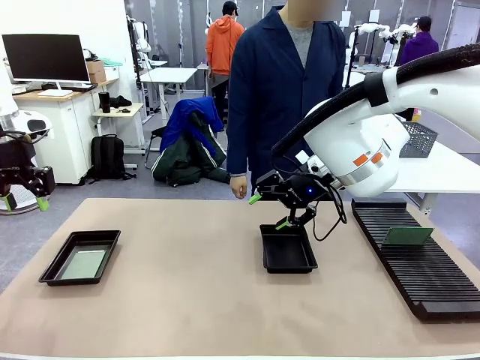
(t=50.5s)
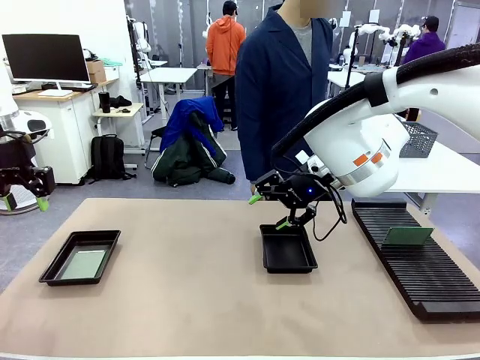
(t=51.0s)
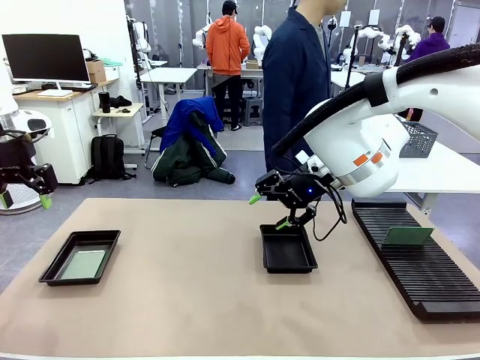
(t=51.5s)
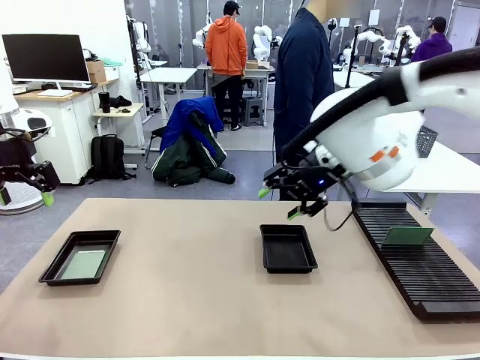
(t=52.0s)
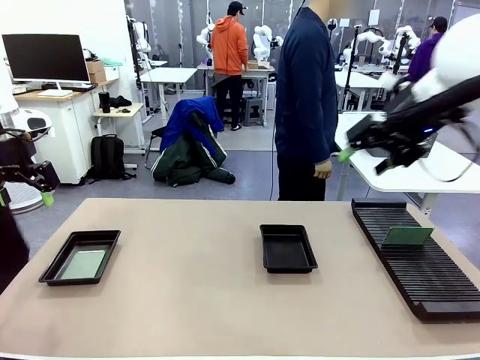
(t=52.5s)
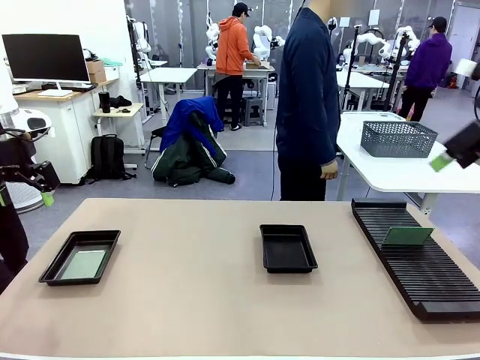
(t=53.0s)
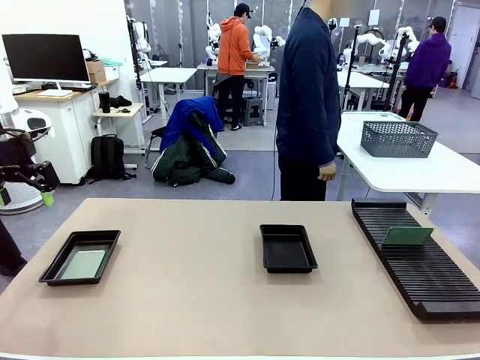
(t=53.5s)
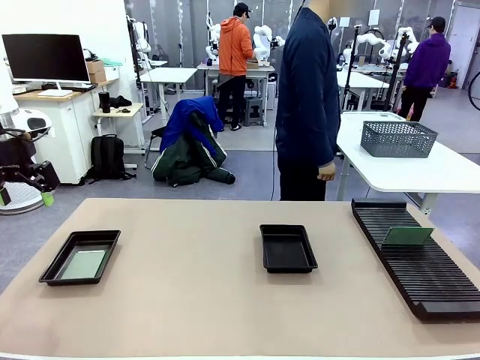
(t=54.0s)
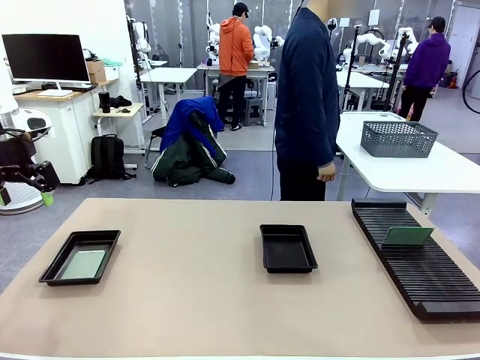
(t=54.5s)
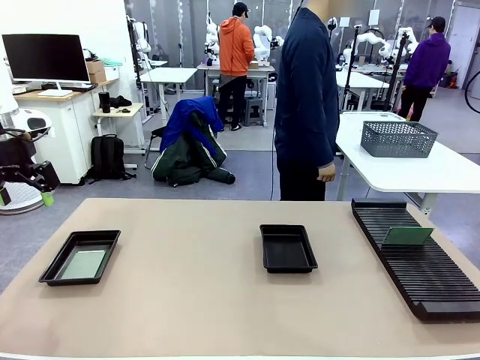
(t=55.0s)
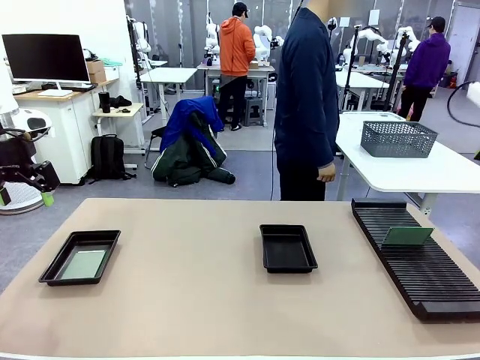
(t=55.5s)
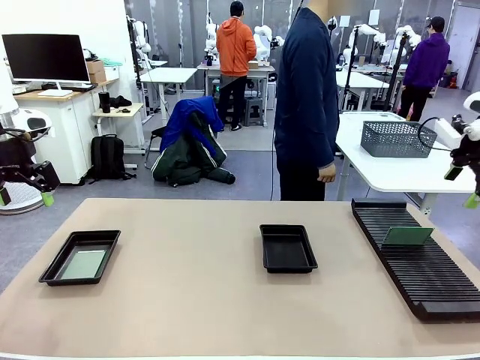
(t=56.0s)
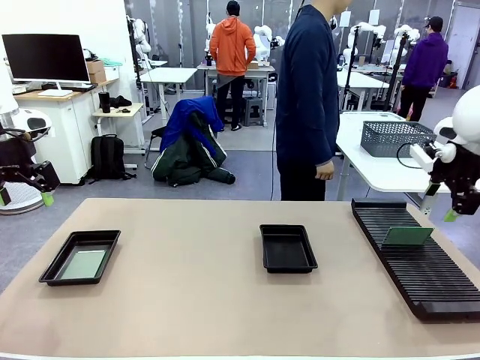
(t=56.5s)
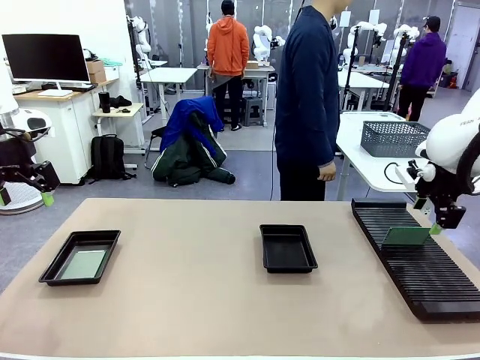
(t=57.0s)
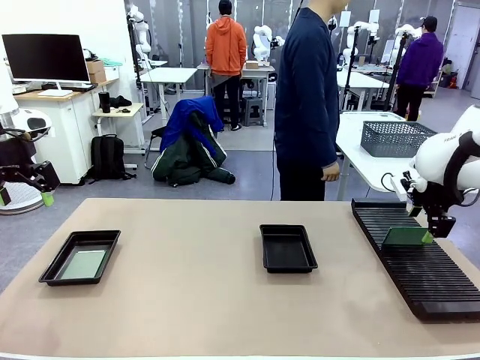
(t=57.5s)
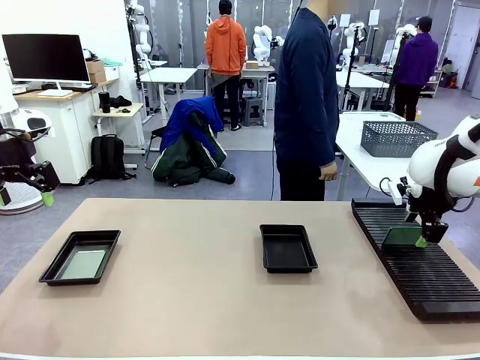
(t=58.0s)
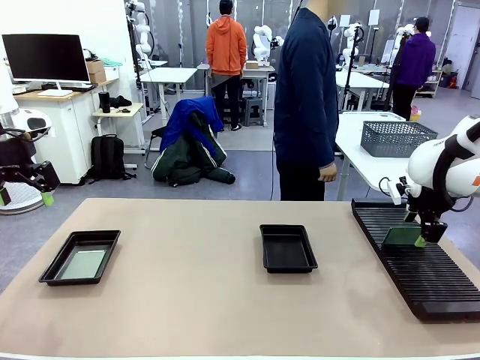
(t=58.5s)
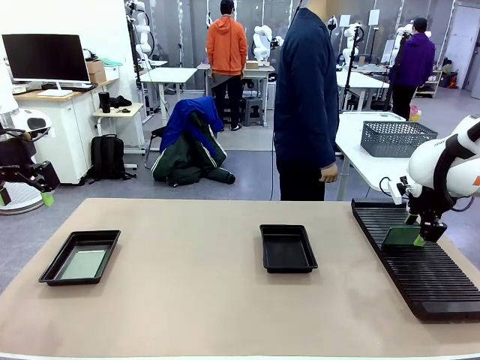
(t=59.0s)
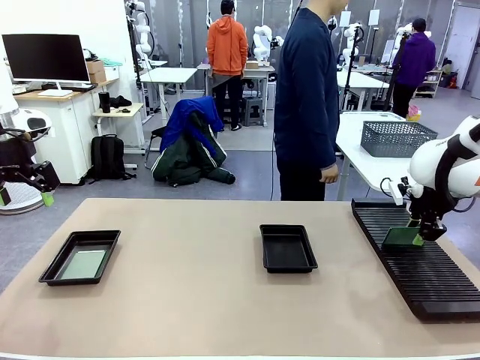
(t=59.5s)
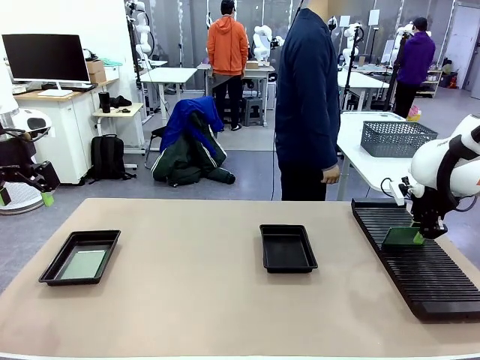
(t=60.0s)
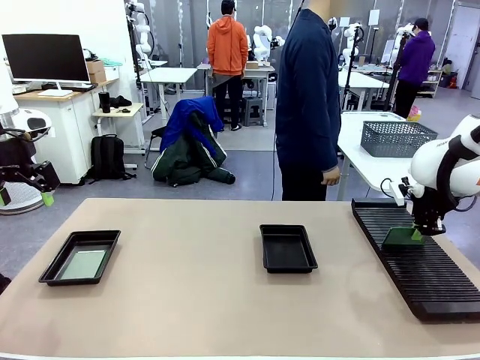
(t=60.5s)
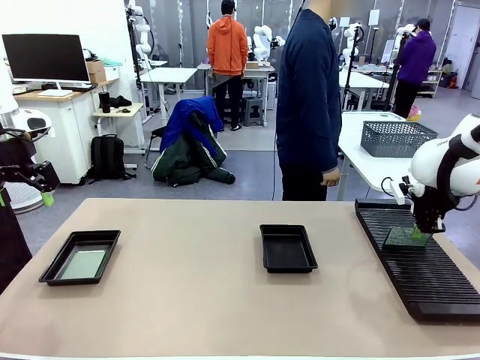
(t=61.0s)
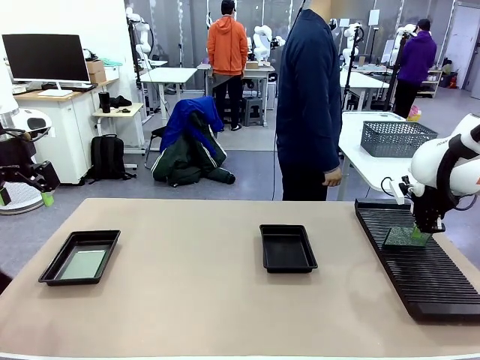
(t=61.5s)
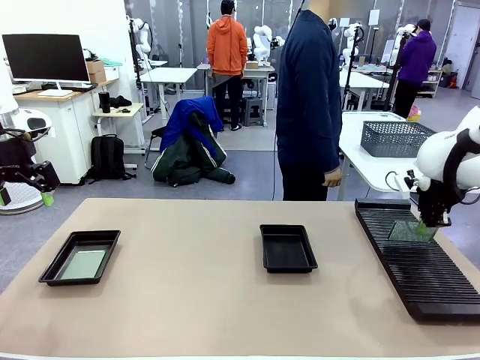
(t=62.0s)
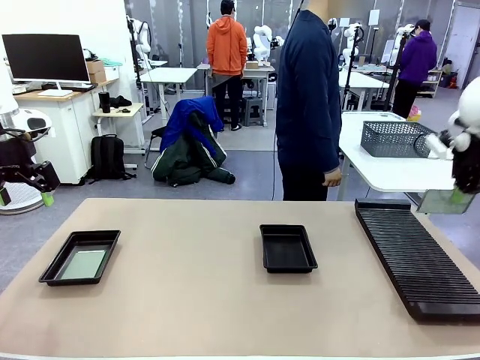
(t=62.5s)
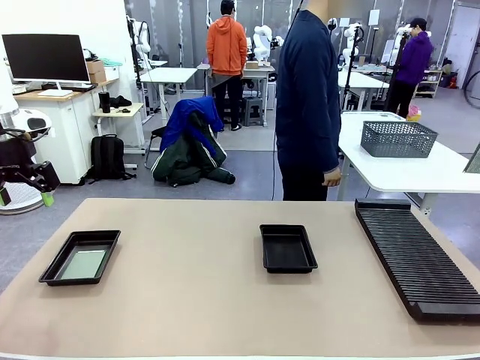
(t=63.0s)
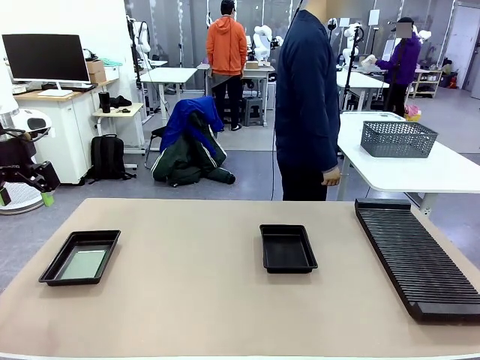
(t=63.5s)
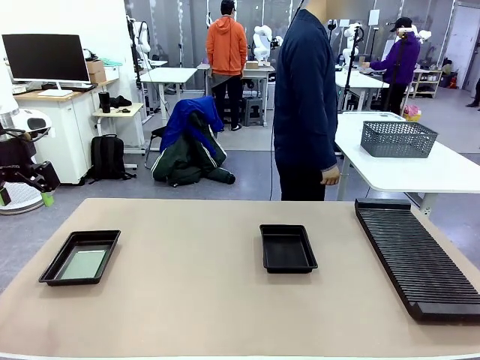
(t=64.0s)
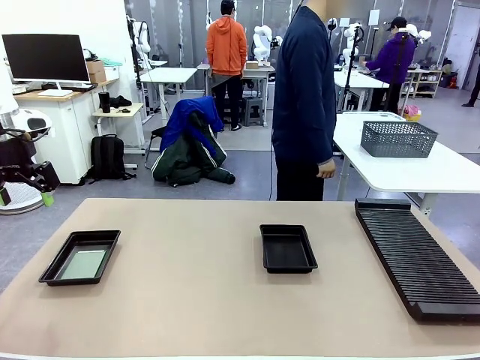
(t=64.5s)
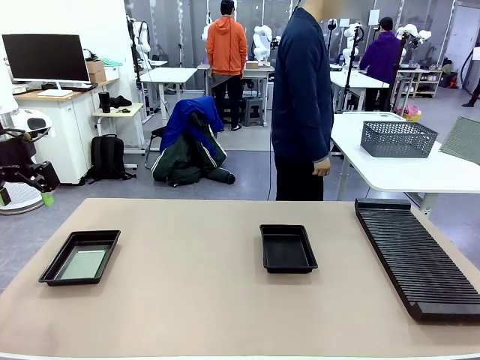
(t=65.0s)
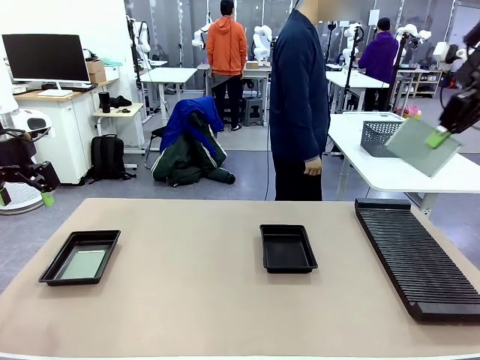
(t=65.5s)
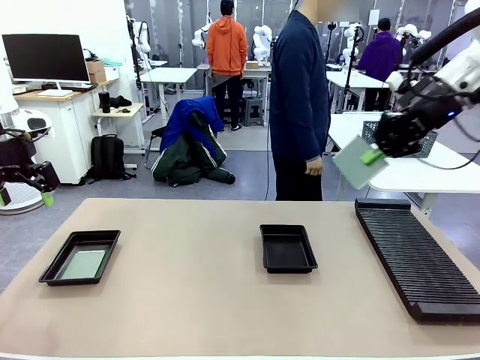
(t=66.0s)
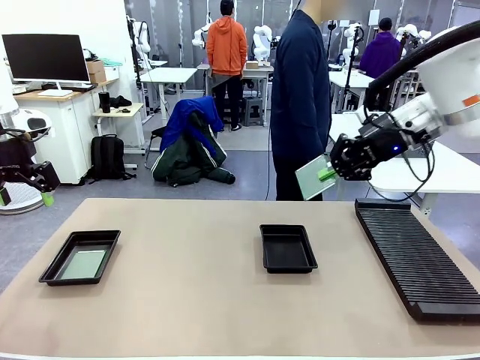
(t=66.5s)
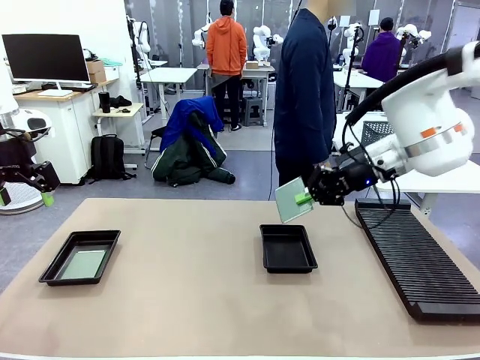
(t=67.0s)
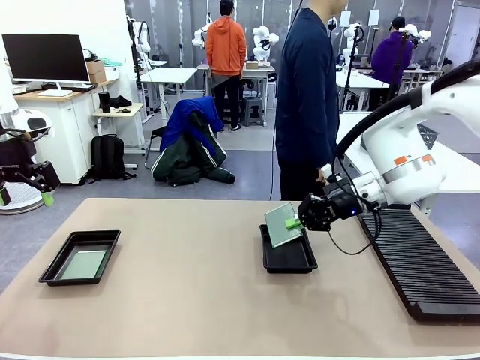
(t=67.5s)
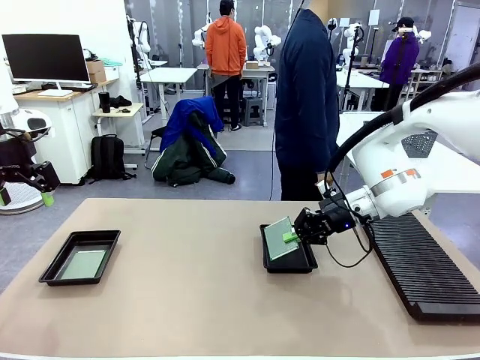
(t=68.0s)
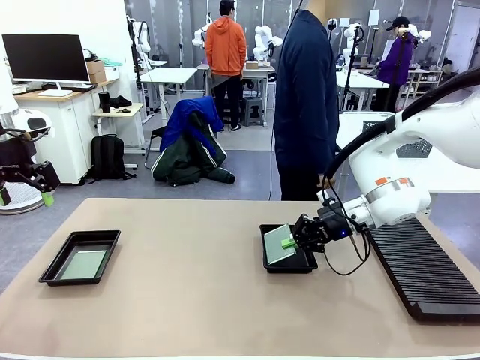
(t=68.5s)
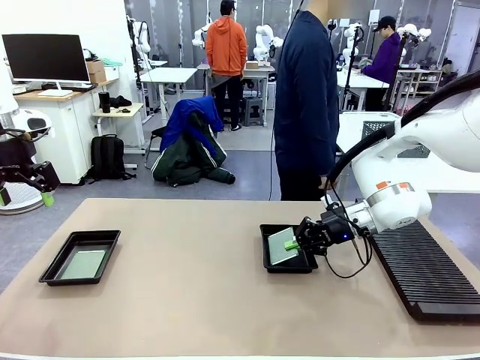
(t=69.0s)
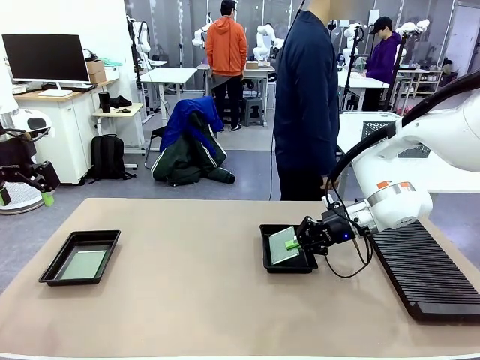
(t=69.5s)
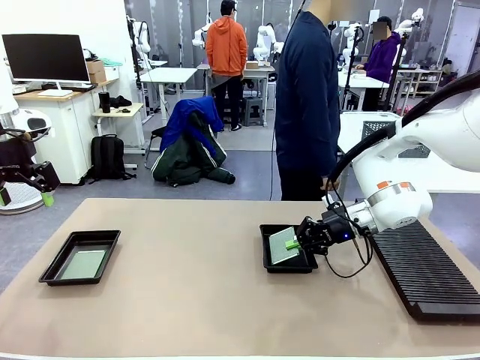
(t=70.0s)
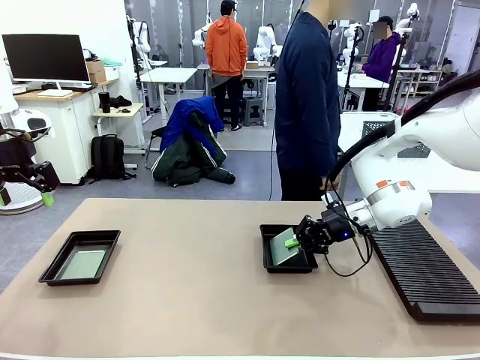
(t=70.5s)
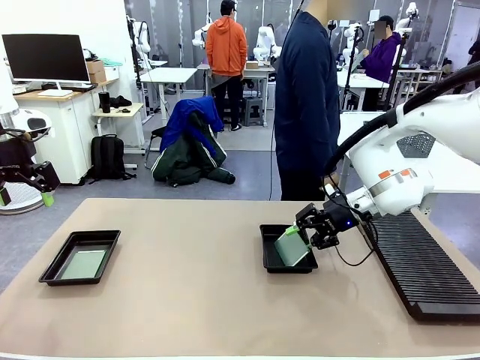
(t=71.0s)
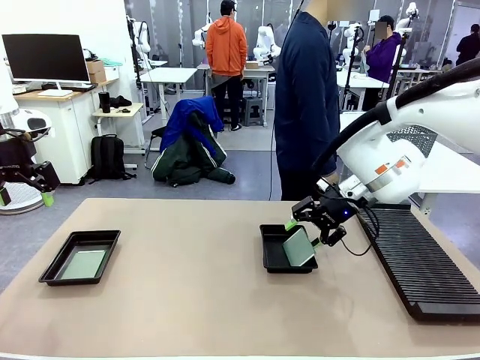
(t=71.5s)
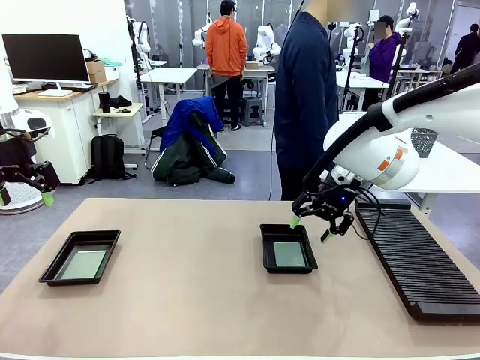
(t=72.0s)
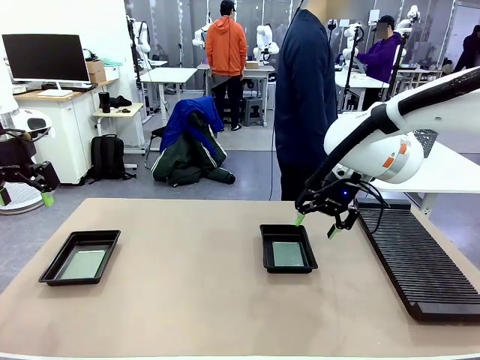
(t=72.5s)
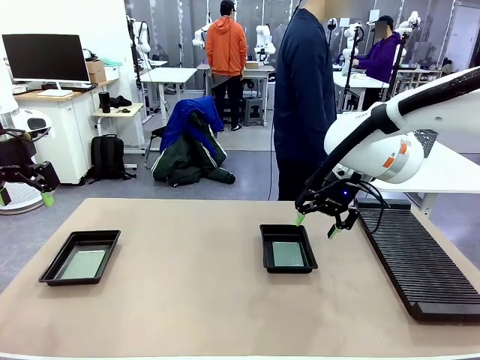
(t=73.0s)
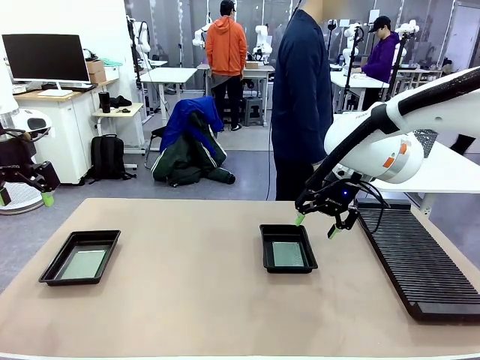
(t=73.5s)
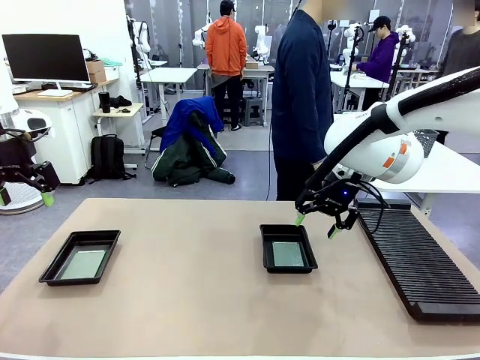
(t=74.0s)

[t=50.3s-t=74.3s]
Task: Inspect and transfer BCBs to ESD trays.
Robot: Pick up the Blank PCB from the PCB Rack and place it in the right ESD tray.
